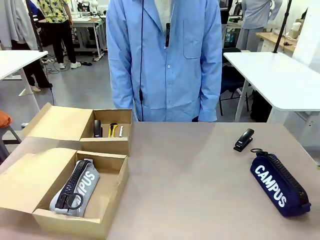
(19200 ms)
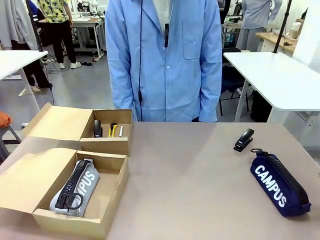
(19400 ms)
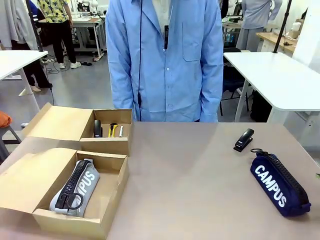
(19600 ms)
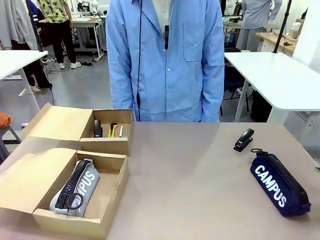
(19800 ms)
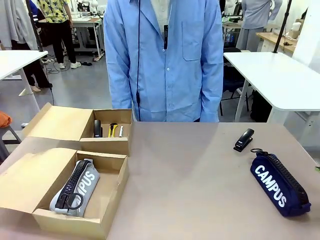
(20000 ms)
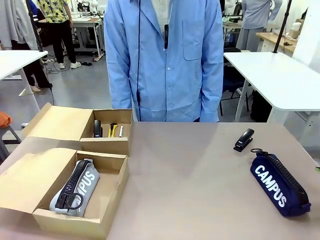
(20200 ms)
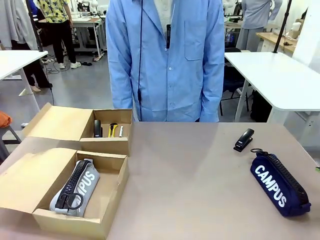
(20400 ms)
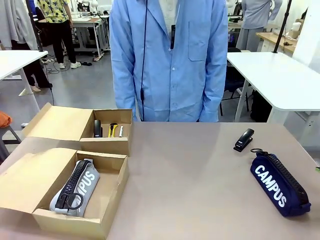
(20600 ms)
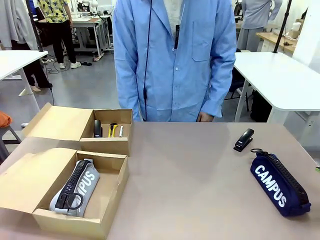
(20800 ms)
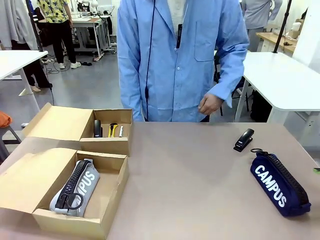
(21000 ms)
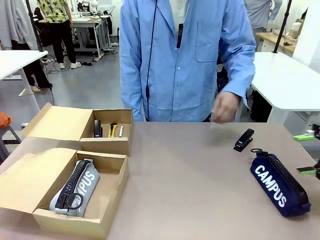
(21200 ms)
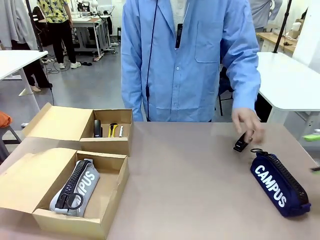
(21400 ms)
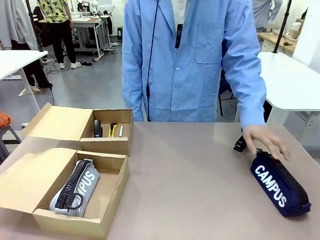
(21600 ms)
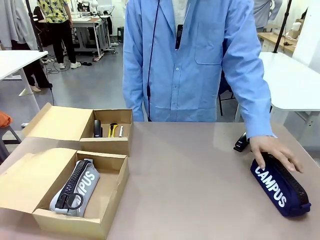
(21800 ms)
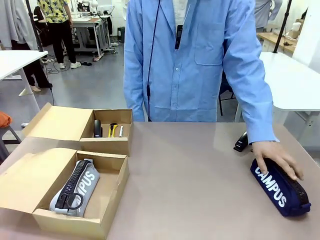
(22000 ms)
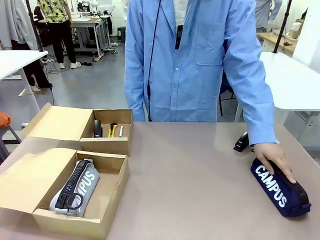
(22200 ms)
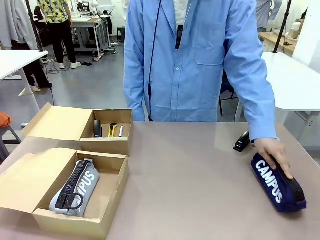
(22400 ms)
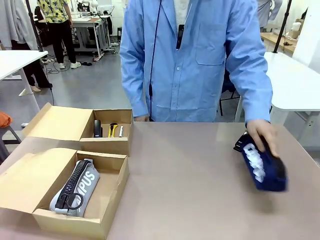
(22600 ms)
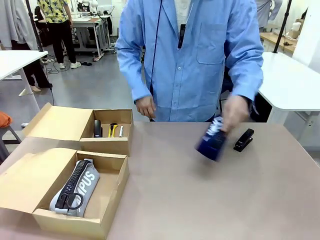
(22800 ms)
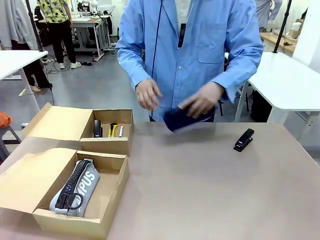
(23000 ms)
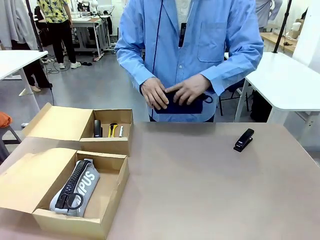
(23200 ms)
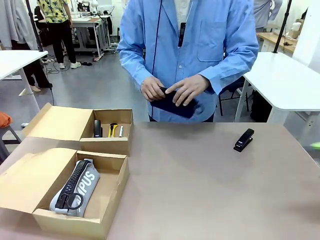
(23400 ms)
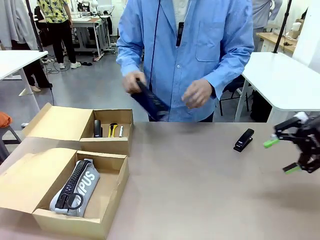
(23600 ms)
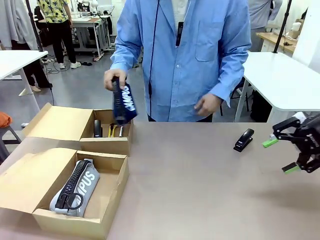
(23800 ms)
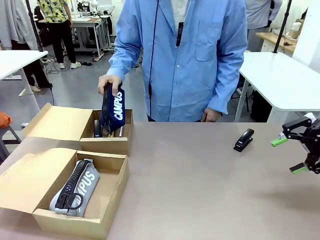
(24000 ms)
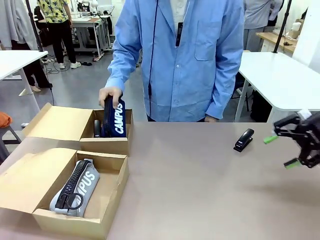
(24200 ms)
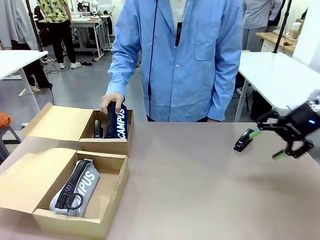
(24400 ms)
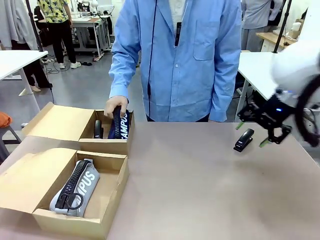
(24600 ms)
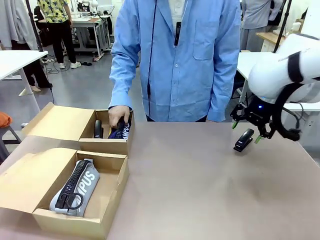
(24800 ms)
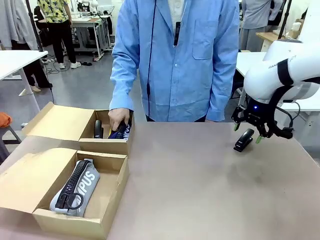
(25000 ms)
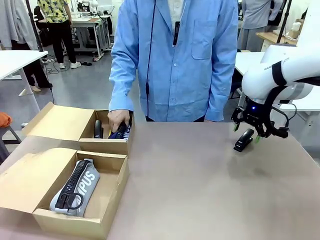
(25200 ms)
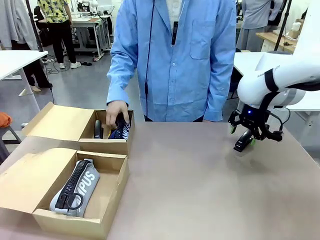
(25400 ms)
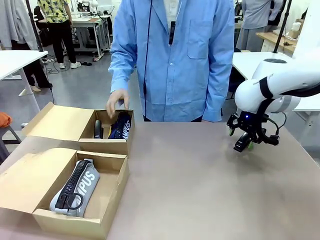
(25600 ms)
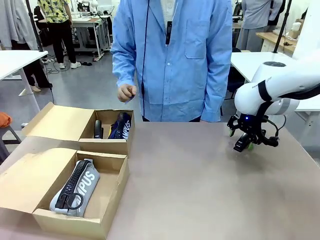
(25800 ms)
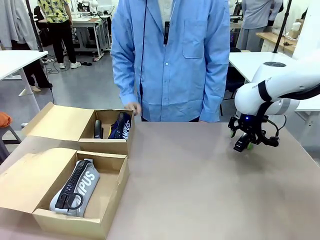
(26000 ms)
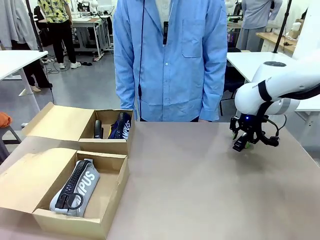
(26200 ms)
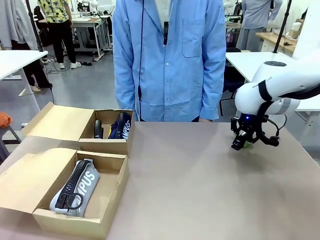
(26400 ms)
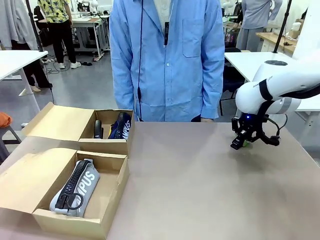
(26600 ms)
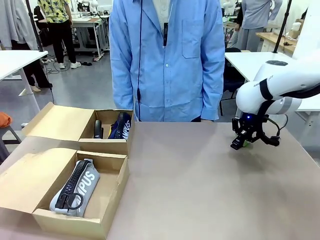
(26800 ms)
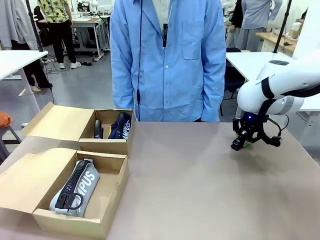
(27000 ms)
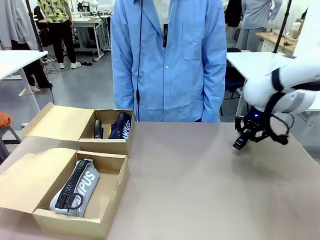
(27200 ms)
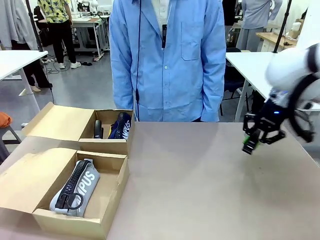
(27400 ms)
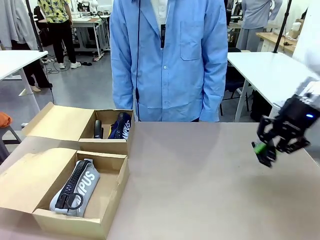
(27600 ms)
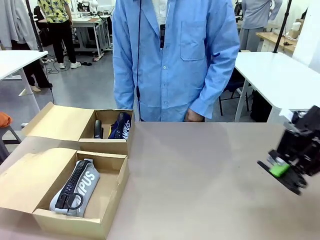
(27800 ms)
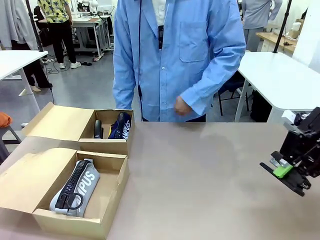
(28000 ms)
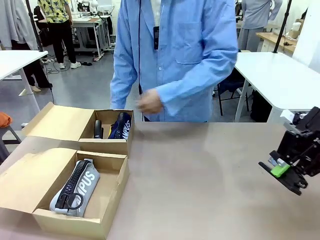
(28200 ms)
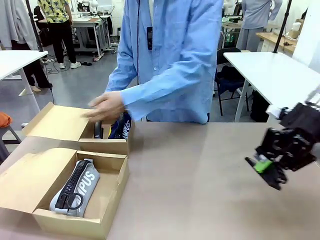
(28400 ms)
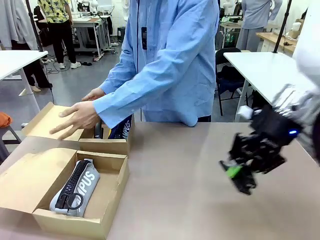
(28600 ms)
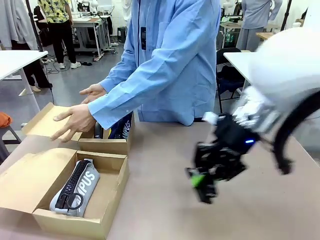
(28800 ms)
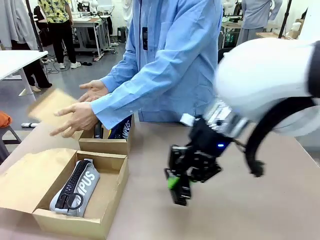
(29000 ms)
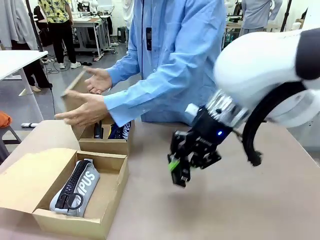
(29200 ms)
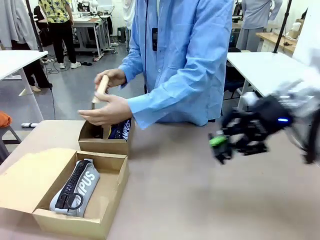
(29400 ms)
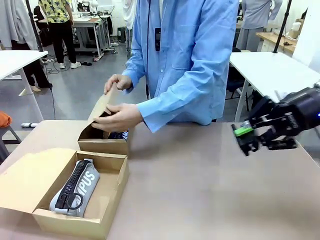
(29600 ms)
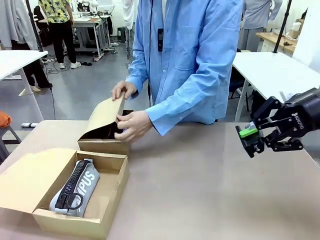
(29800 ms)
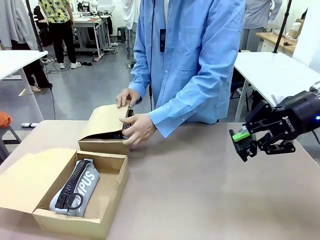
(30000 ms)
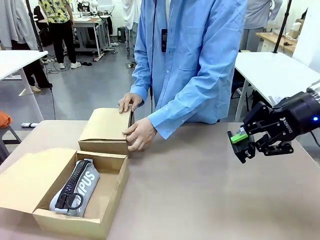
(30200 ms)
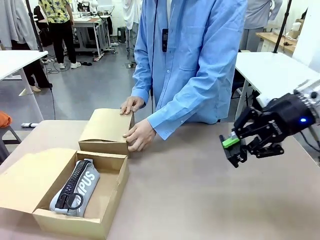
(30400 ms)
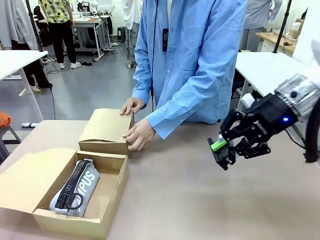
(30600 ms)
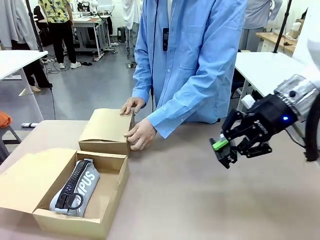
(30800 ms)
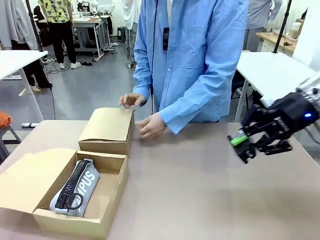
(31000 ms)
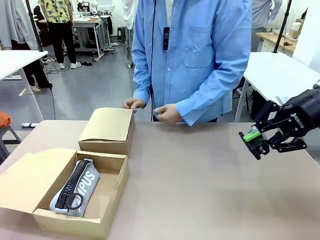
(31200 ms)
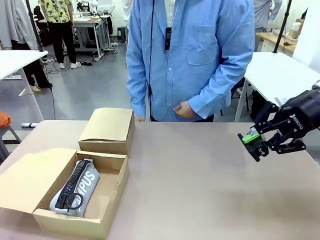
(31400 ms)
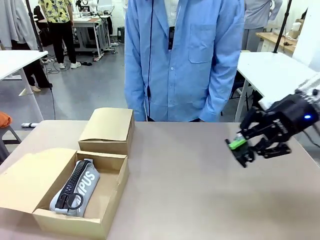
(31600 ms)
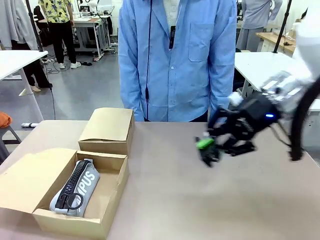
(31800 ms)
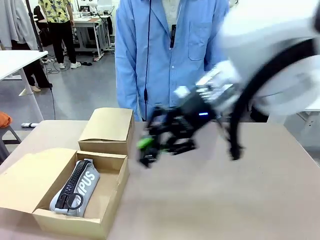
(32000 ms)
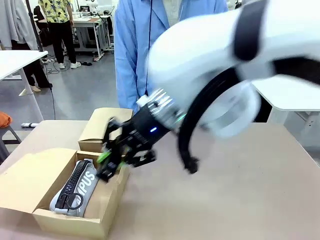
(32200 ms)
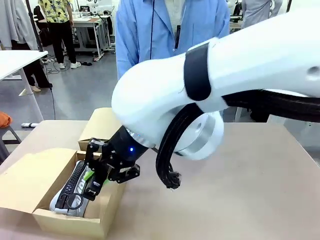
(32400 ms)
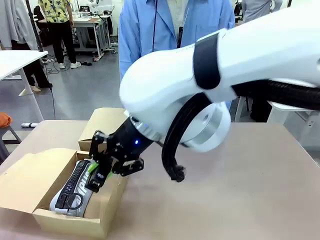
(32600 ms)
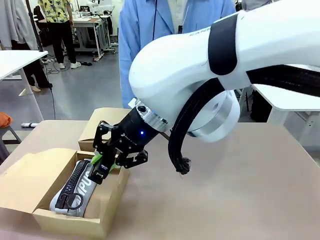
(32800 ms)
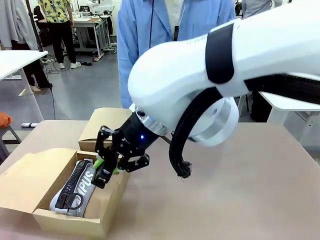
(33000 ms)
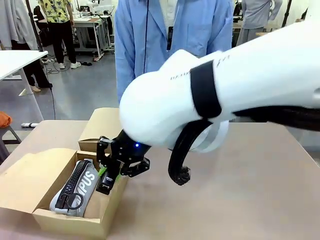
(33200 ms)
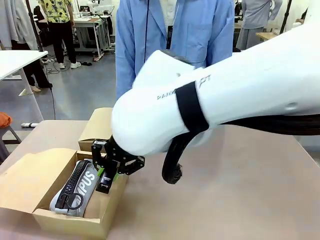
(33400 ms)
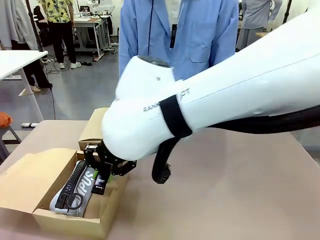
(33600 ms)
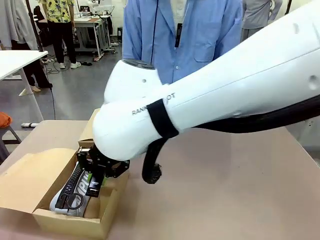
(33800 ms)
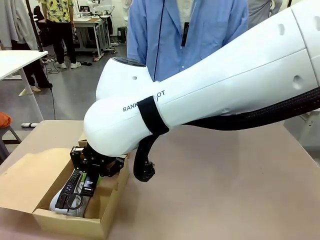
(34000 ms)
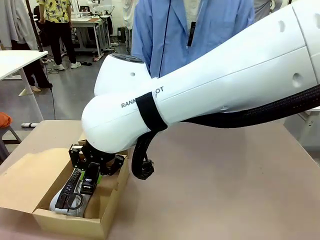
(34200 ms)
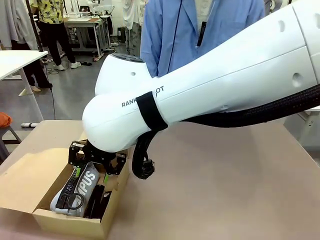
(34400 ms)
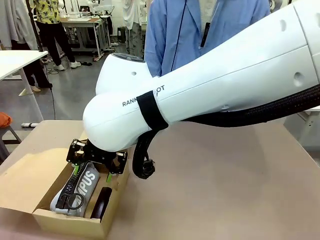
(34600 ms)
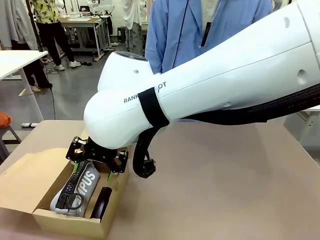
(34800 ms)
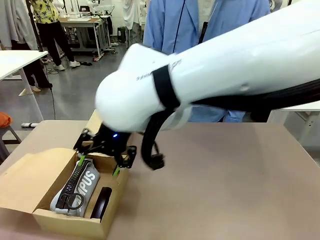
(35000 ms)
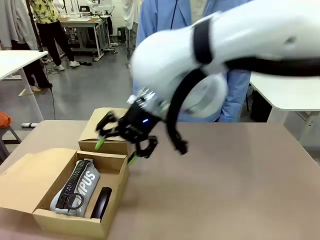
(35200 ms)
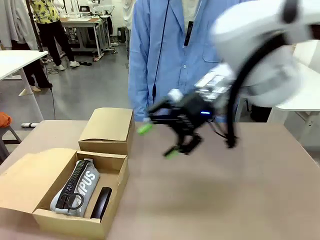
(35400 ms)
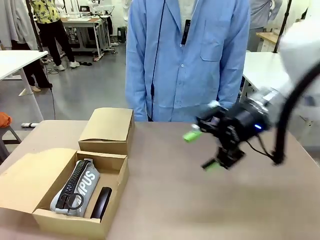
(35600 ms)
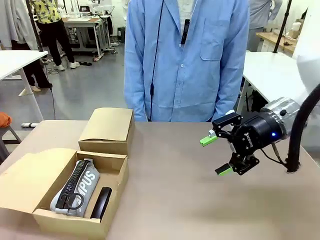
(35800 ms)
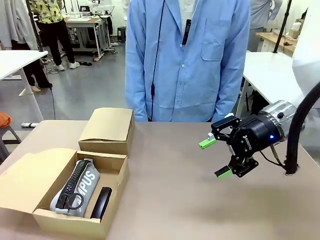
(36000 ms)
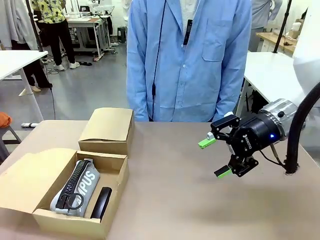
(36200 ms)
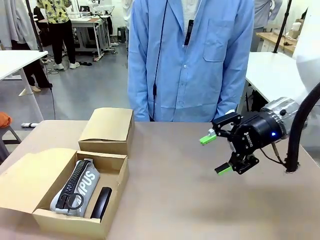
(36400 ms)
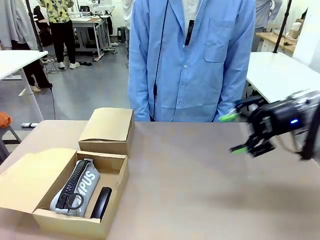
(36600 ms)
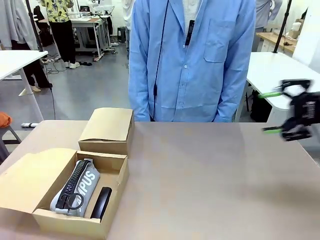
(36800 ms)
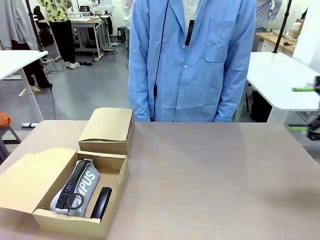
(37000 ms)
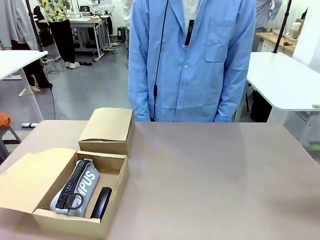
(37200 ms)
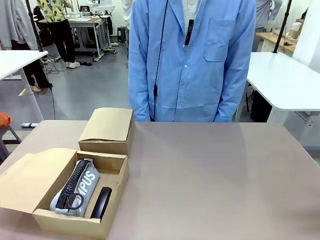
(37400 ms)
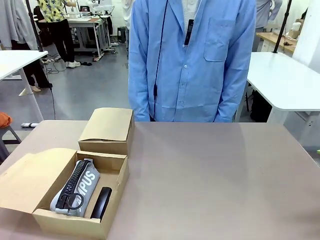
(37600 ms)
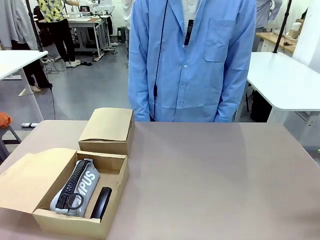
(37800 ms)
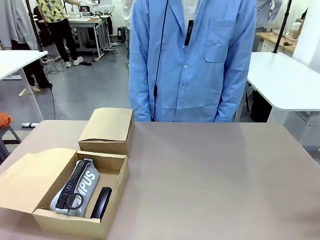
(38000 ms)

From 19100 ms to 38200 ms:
Task: Place items inside the box.
Robot: Pick up a Pencil pouch or Stapler and place it inside the Mailer Box closest to the robot.
Person: Close the lid of the box facing the person.
